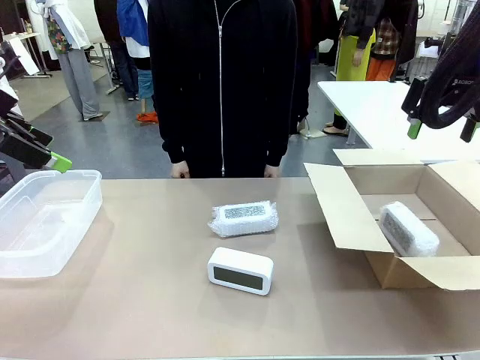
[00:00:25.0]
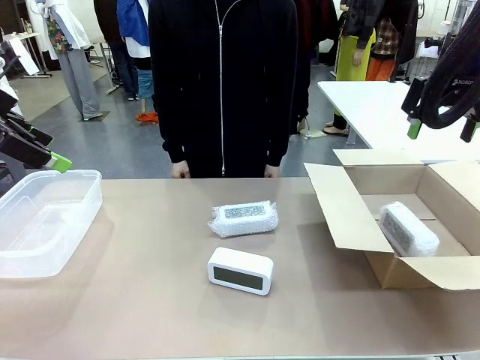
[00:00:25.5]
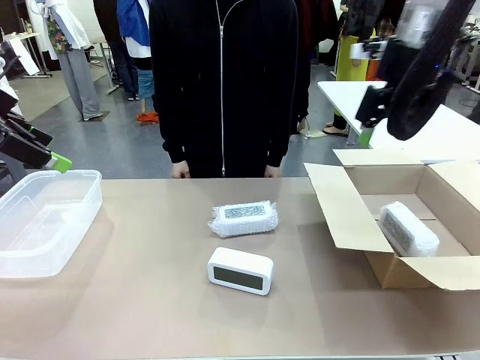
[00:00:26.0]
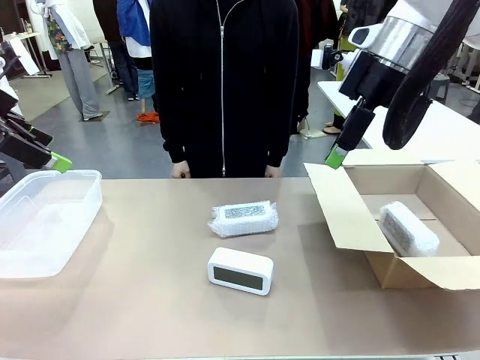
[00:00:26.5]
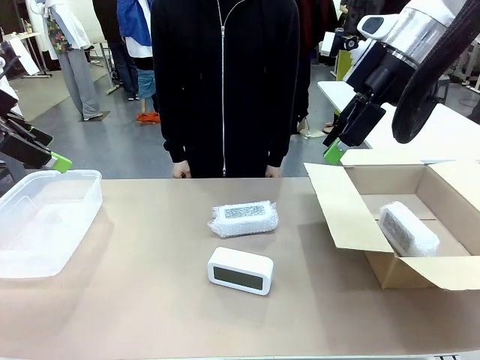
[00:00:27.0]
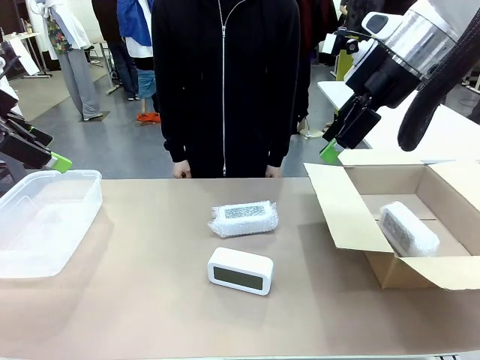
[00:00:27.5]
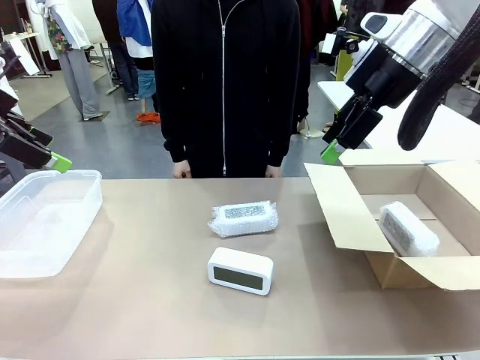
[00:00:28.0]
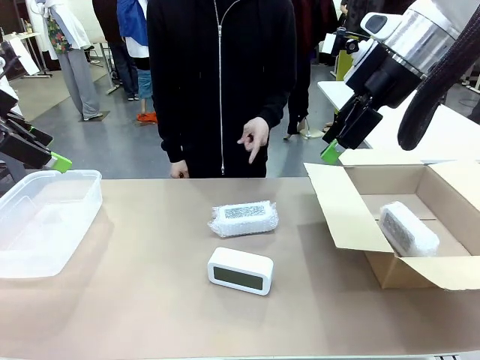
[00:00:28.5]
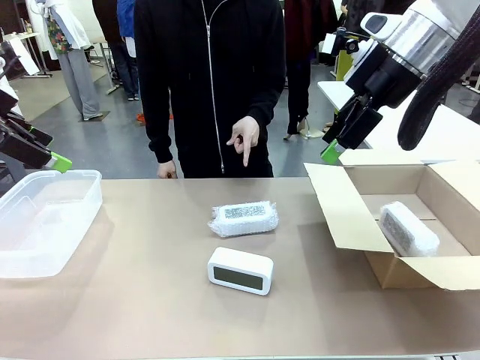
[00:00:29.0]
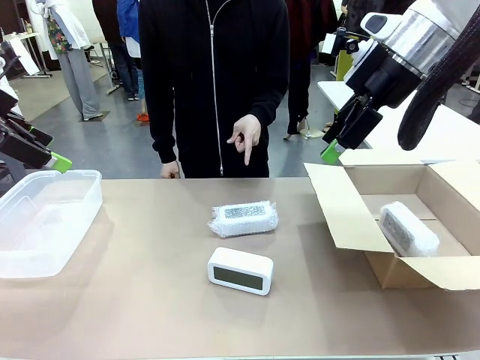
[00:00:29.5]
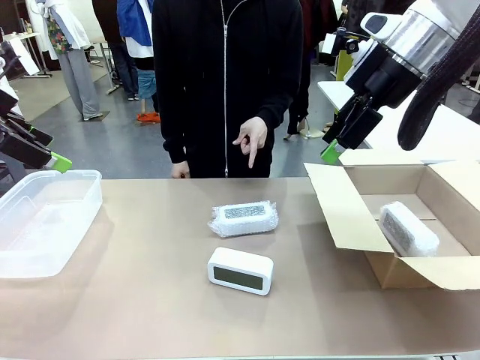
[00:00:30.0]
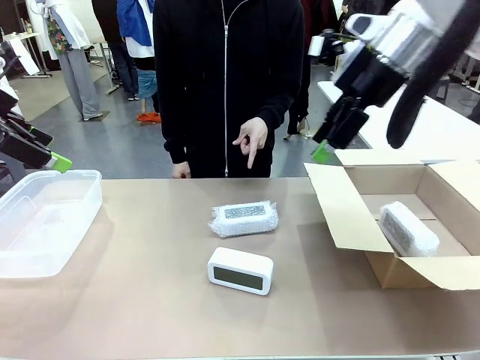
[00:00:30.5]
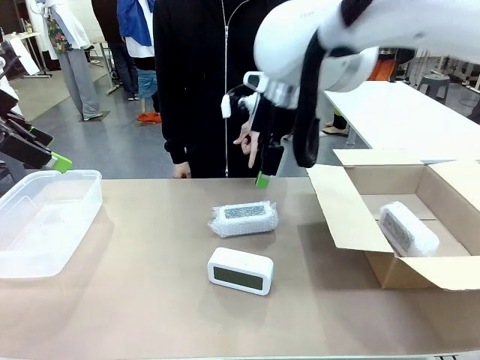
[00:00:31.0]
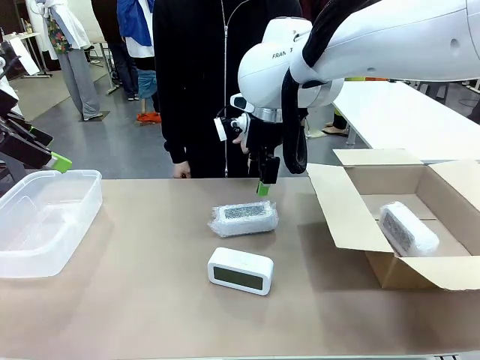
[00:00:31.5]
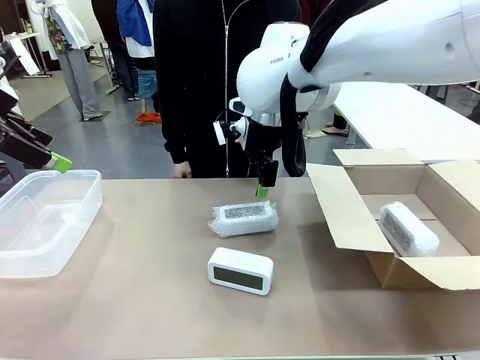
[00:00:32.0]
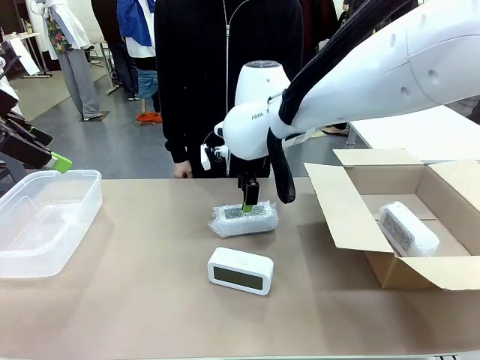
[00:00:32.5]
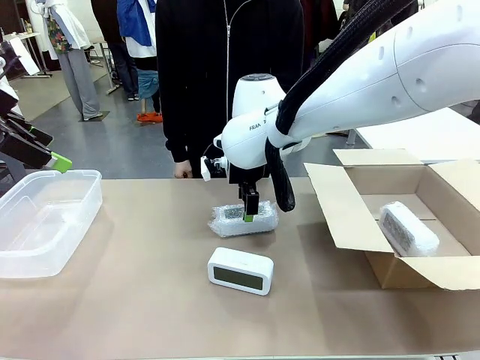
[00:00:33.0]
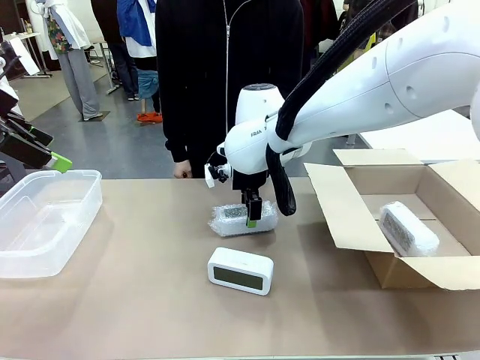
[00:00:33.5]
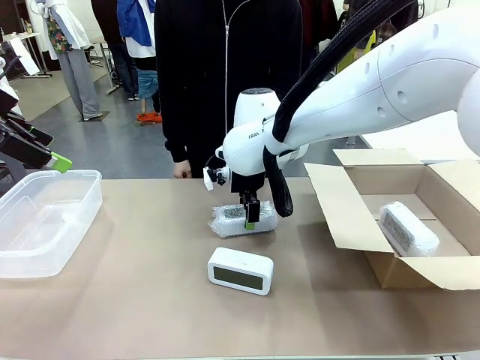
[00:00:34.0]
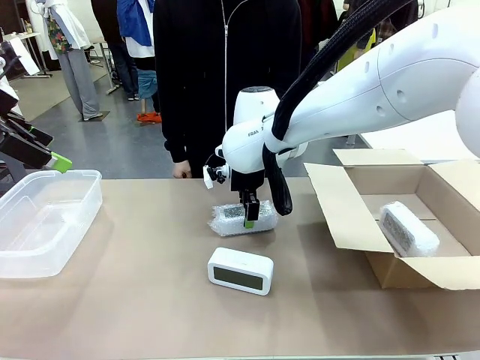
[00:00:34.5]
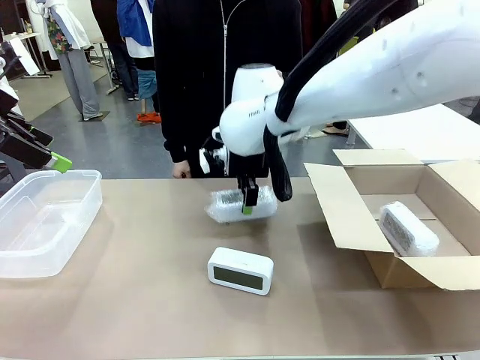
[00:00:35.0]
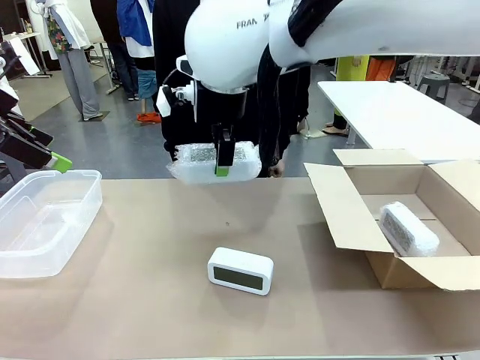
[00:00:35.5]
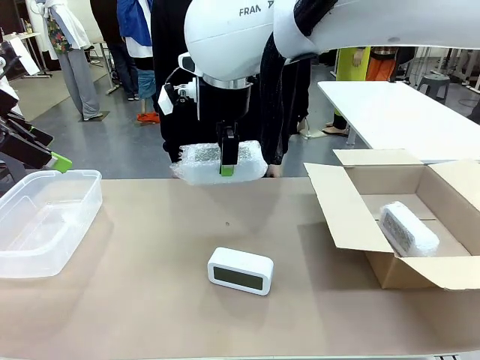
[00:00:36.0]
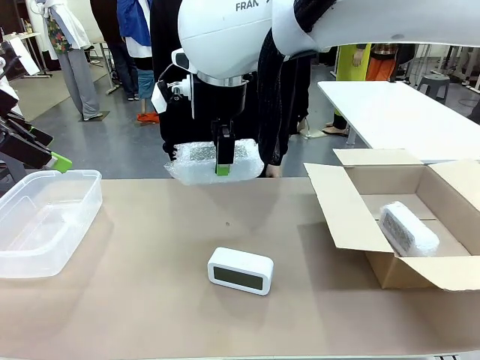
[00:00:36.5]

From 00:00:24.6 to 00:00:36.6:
Task: Separate and place wrapped and unwrapped clocks.
Robot: Pick up the Digital clock indicated by the person.

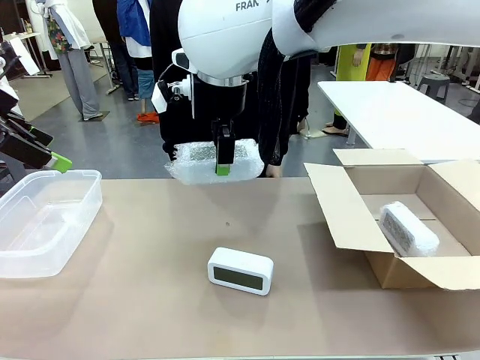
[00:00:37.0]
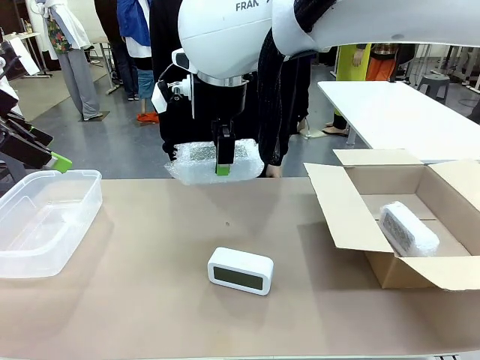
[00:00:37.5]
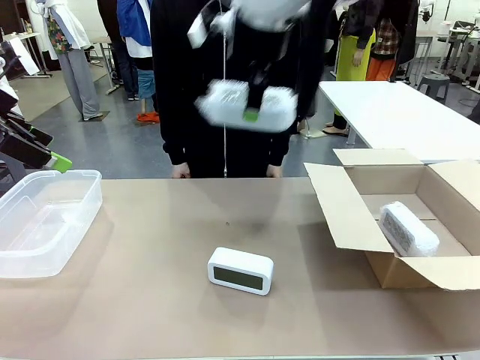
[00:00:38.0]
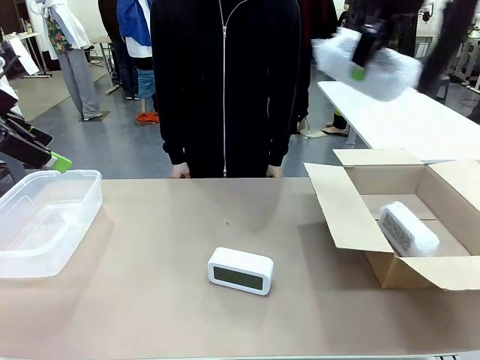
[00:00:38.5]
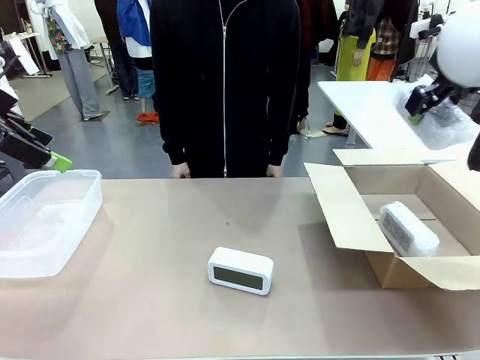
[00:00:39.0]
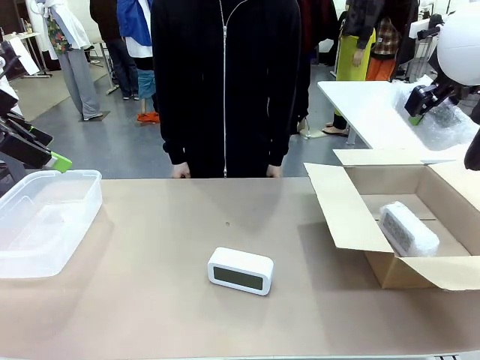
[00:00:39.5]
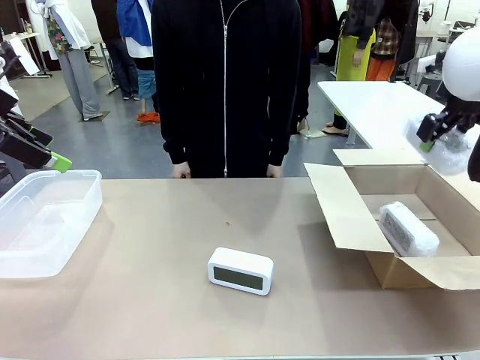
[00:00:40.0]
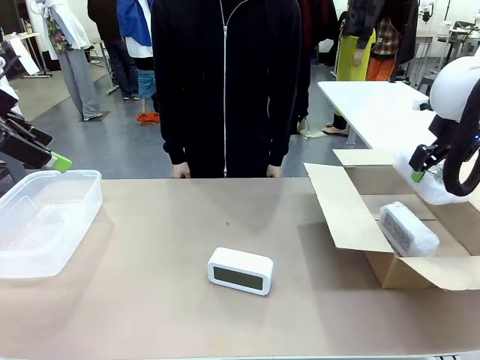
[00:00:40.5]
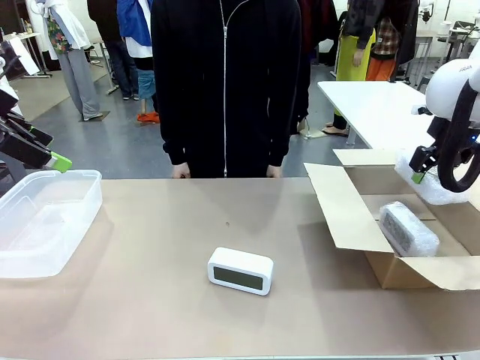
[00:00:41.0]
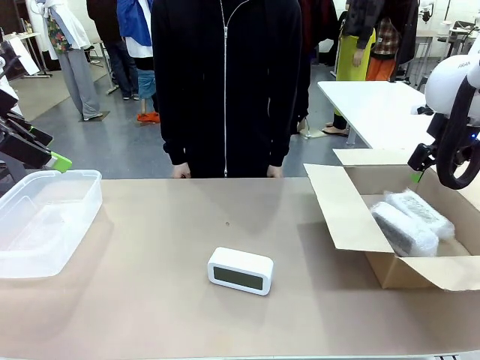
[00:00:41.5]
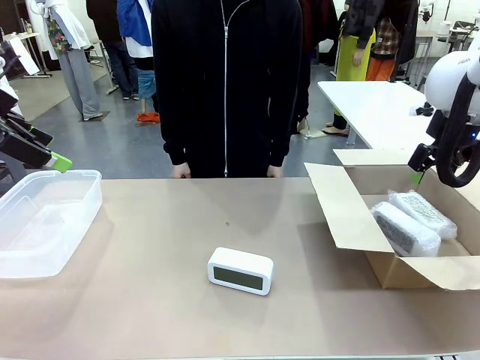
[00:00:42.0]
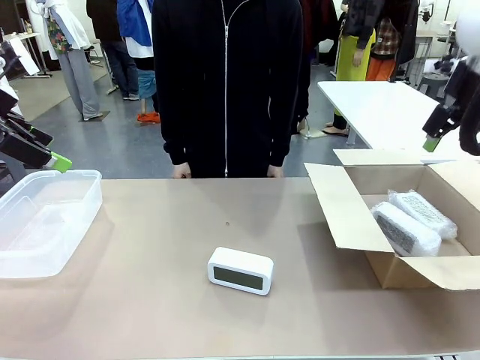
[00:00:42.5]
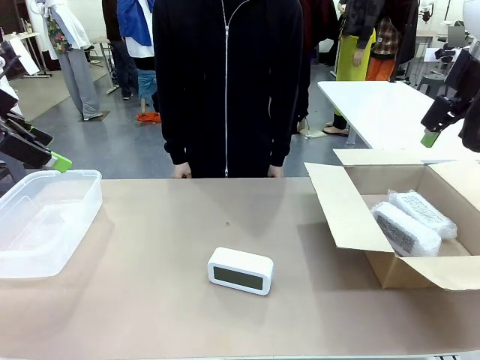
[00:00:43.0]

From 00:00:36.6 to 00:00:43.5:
Robot: If the picked Digital clock is wrapped, place it in the Package Box ; if not, place it in the Organizing box.

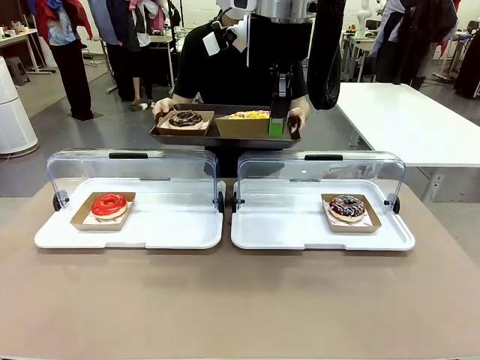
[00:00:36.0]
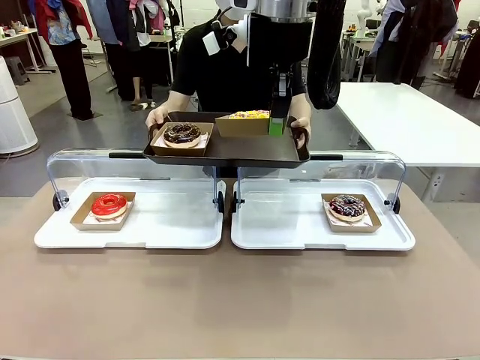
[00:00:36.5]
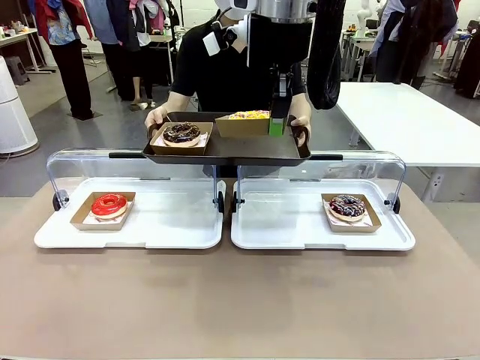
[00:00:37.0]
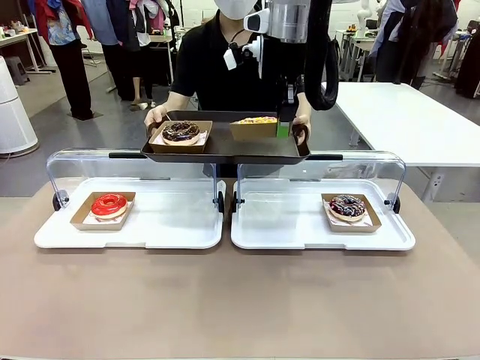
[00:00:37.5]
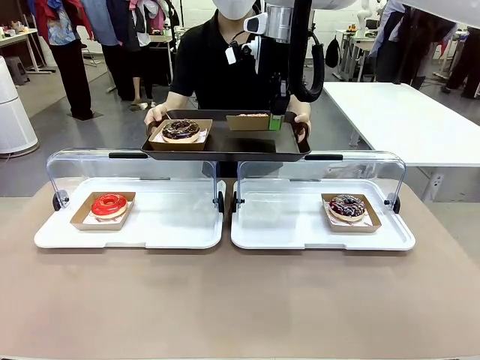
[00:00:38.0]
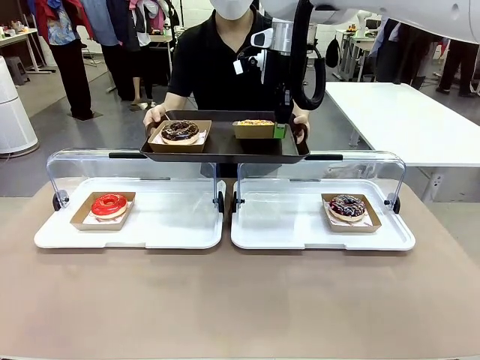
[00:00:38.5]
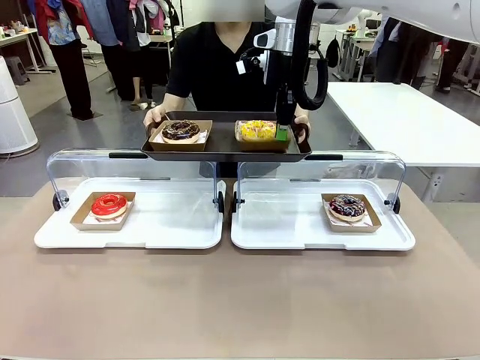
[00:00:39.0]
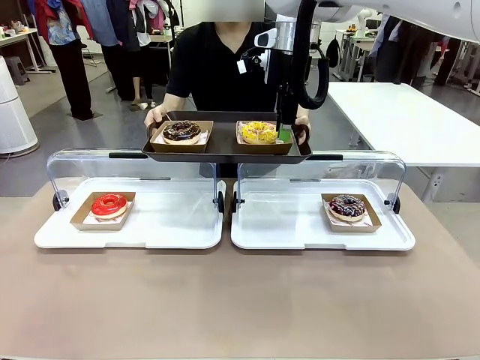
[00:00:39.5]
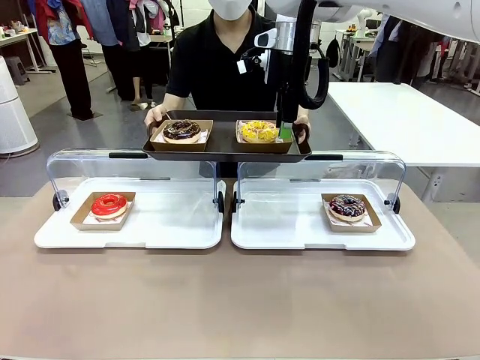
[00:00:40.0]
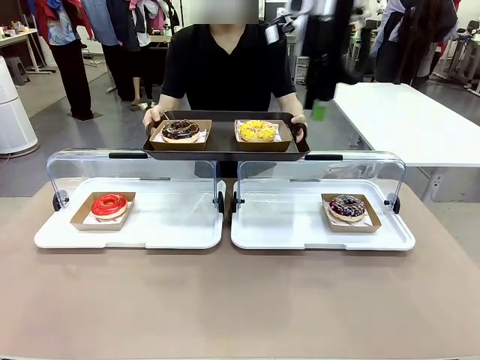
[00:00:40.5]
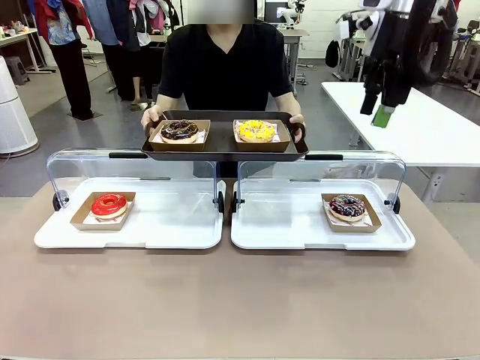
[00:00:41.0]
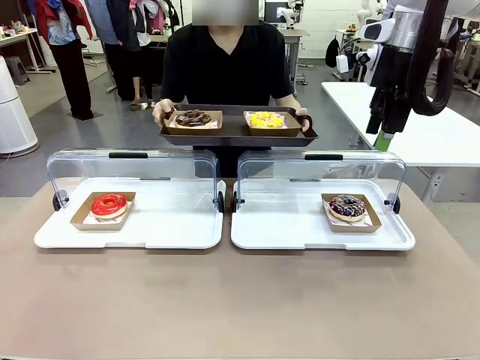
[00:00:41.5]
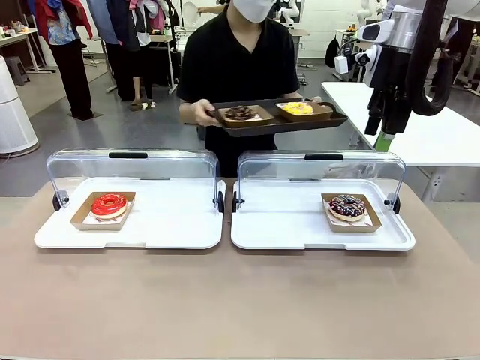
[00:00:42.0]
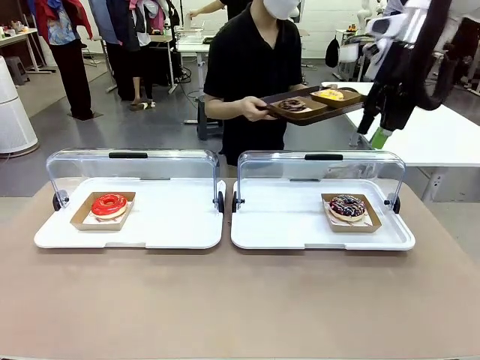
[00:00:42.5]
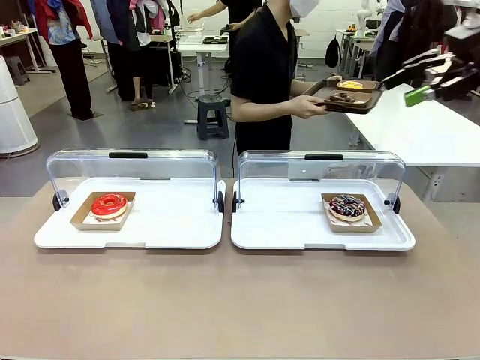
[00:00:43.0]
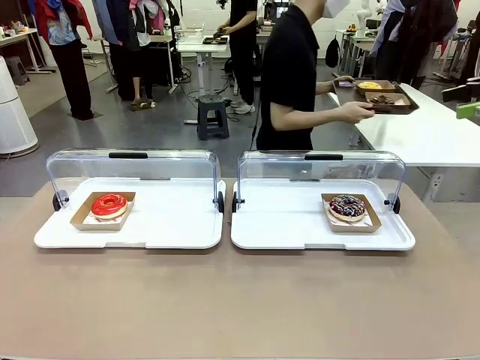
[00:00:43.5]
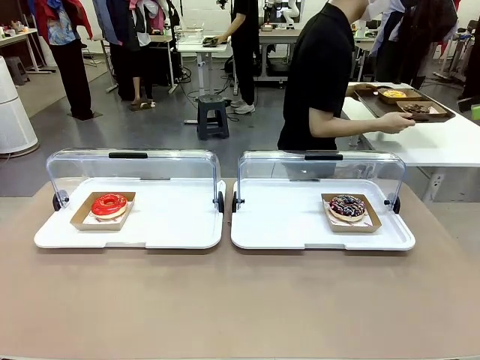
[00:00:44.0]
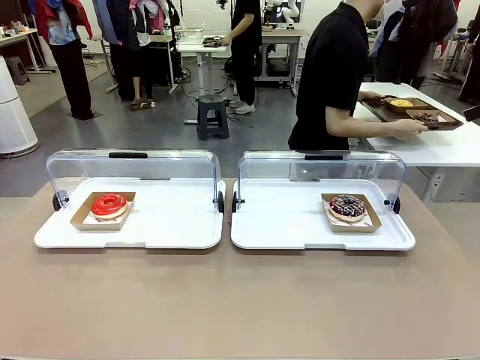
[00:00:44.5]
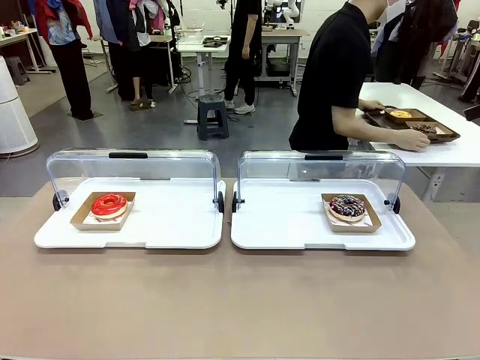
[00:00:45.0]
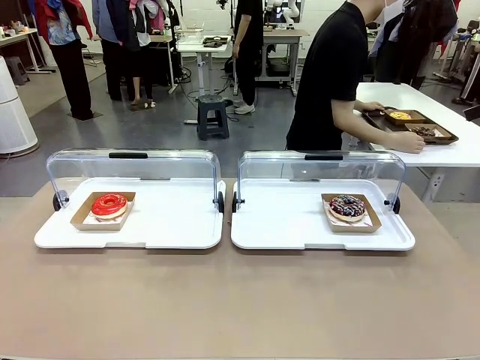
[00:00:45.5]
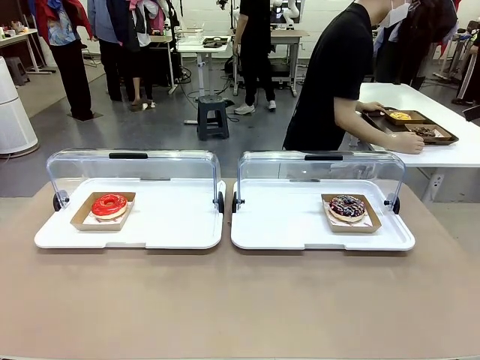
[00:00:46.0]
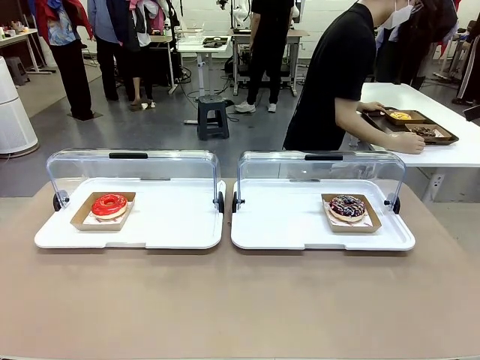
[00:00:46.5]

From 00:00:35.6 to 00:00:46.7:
Task: Provide the desired donut to the person.
Robot: Place the picked Paper togo box onto the Handle tray extended by the person.
Person: Place the tray in the middle of the human table.
